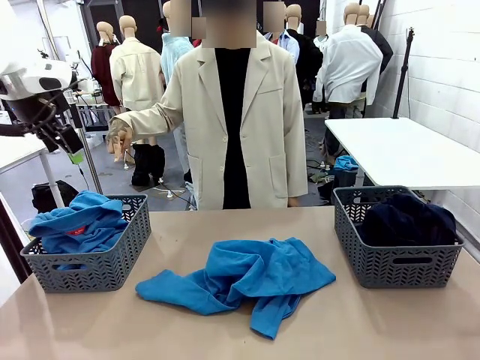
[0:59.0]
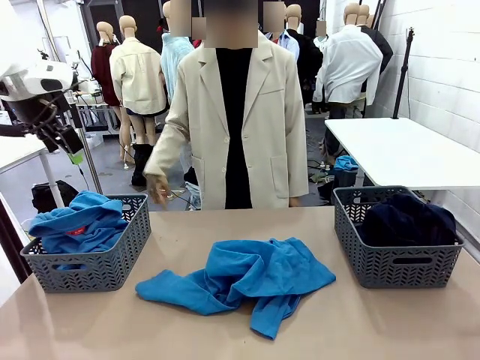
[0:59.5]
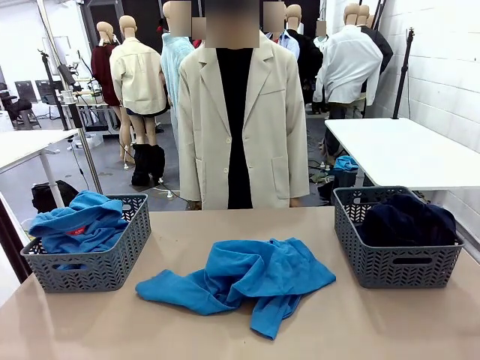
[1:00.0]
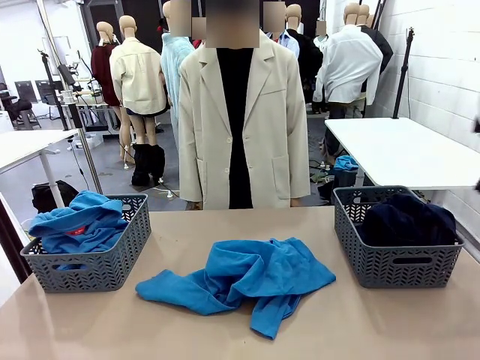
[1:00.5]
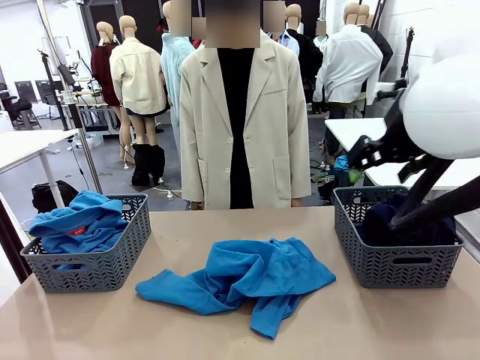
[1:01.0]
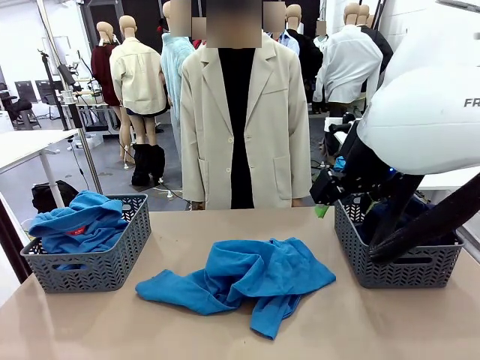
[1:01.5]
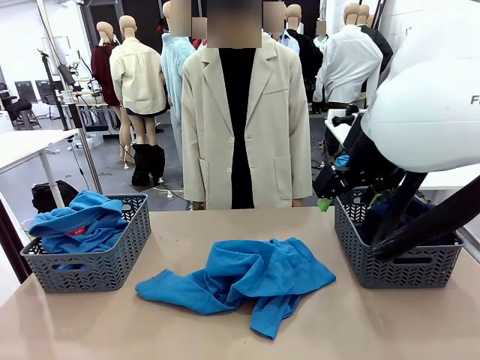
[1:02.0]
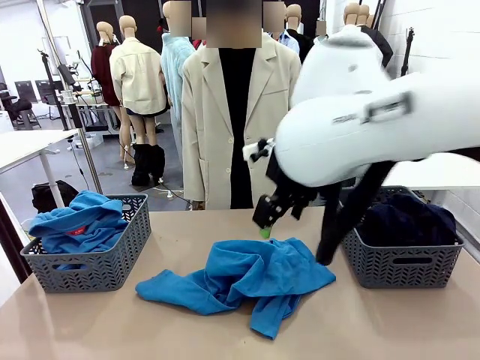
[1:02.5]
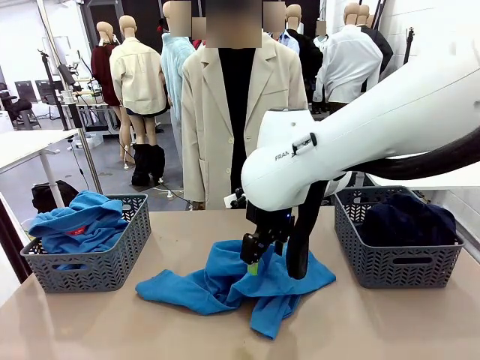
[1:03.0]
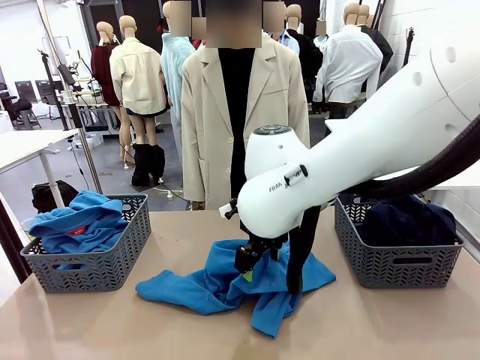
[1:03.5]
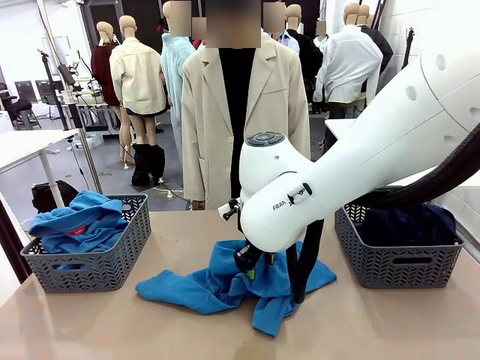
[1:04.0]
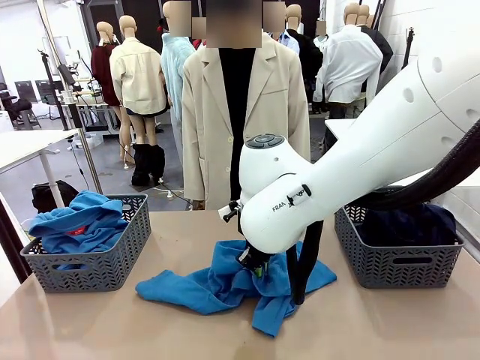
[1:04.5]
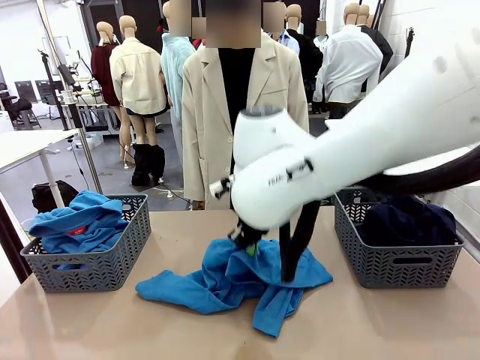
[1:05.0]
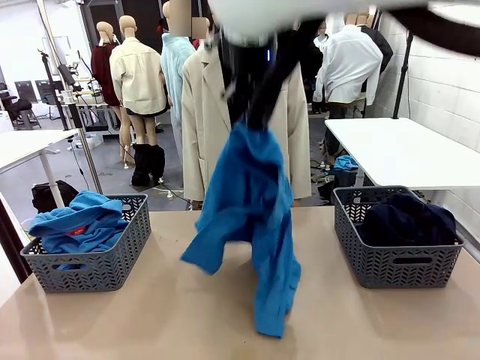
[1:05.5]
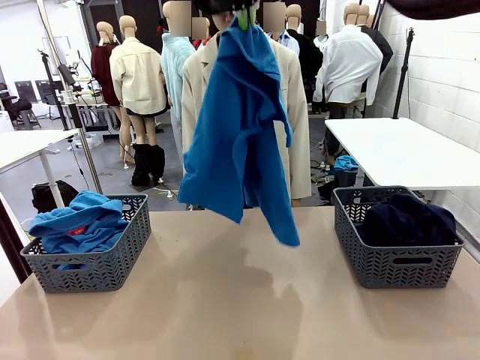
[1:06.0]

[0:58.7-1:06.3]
Task: Sort the tops and bottoms.
Robot: Lift clothes from the center of the table with your right hand.

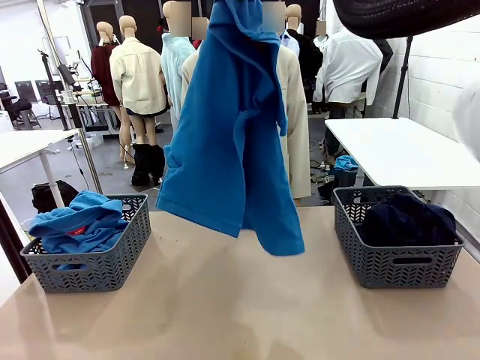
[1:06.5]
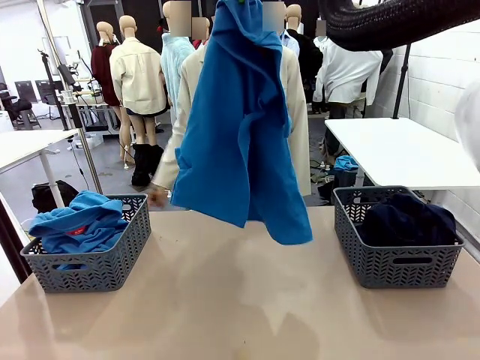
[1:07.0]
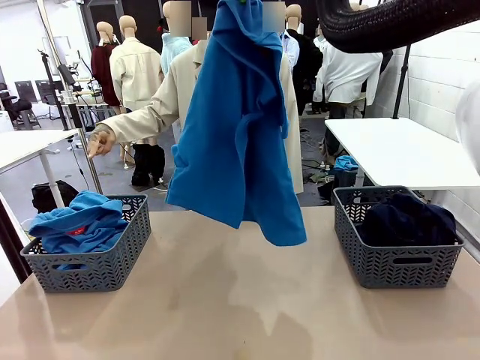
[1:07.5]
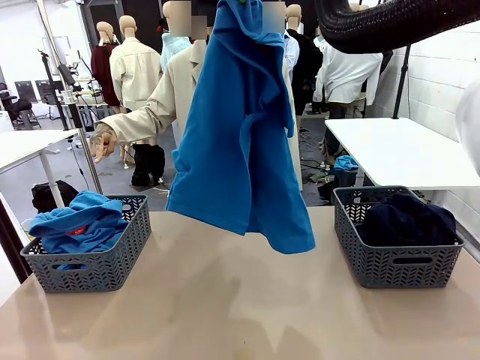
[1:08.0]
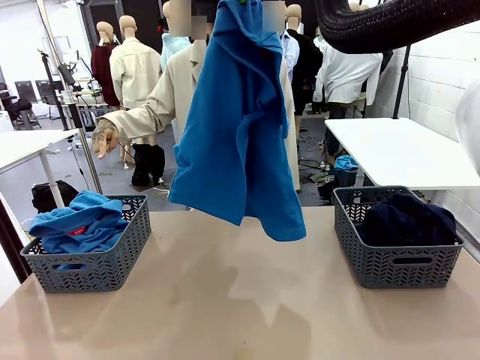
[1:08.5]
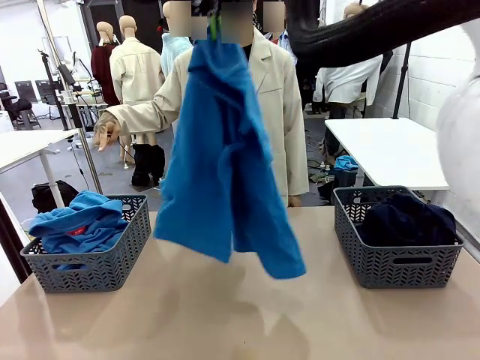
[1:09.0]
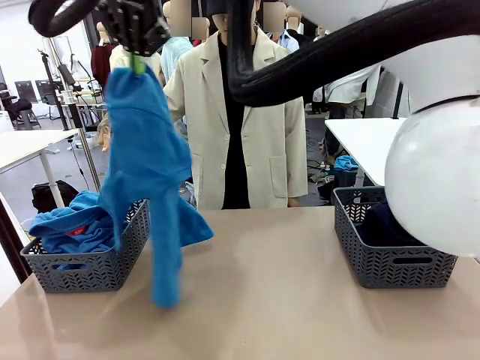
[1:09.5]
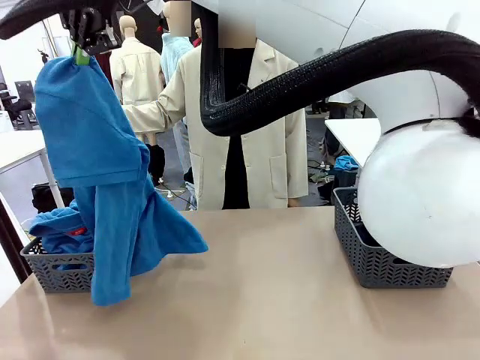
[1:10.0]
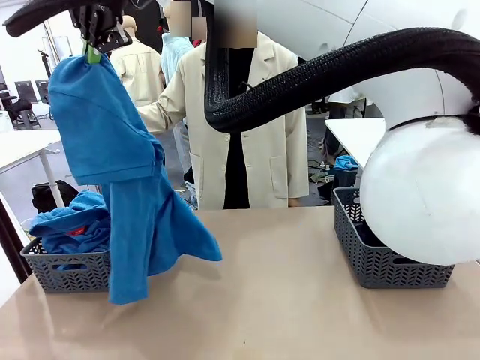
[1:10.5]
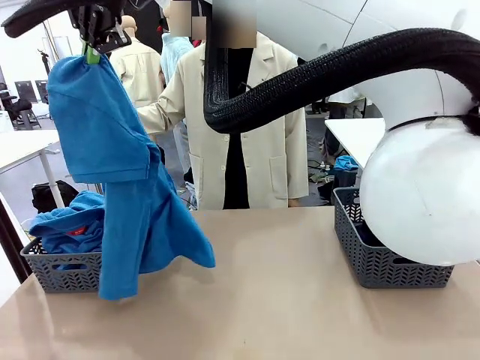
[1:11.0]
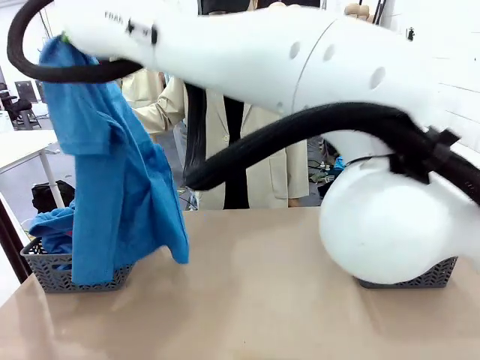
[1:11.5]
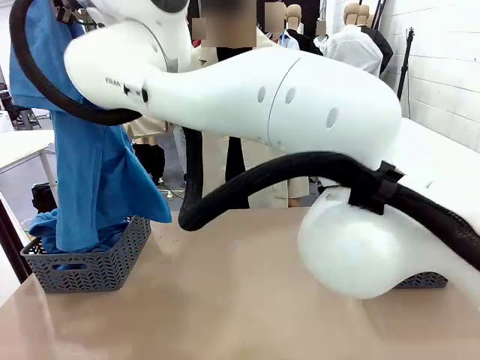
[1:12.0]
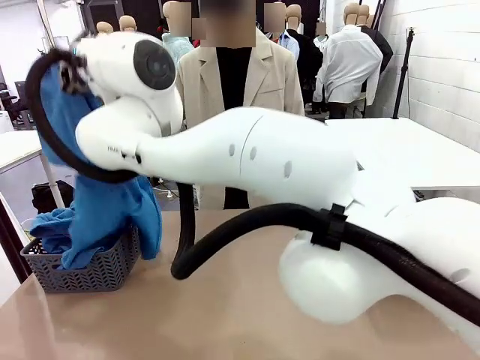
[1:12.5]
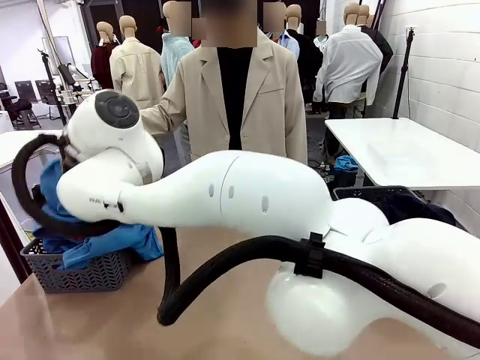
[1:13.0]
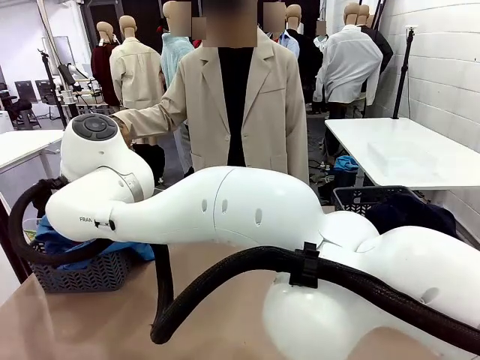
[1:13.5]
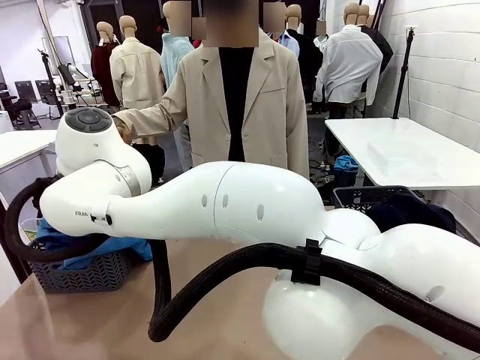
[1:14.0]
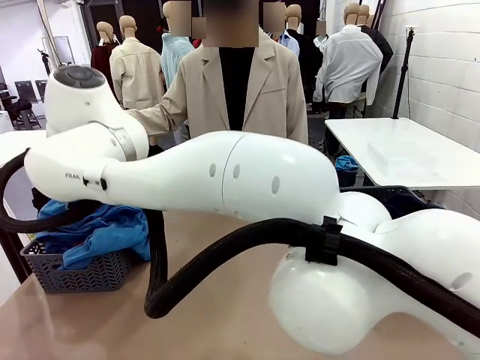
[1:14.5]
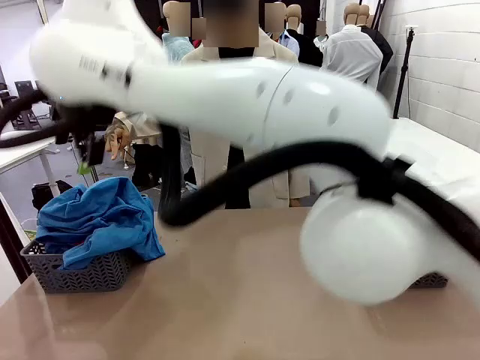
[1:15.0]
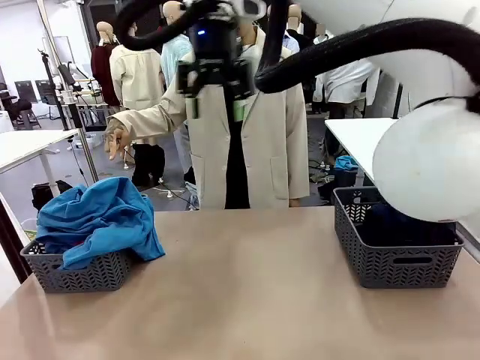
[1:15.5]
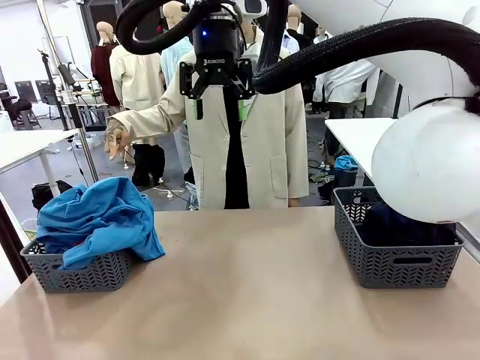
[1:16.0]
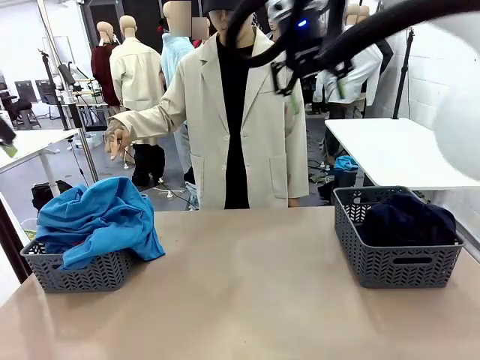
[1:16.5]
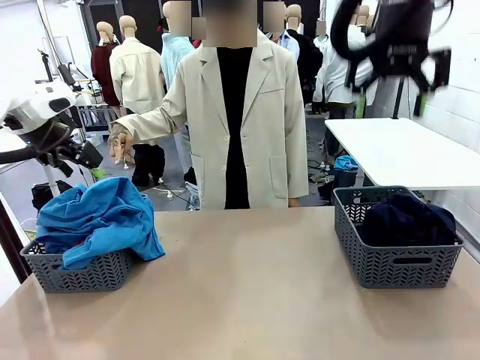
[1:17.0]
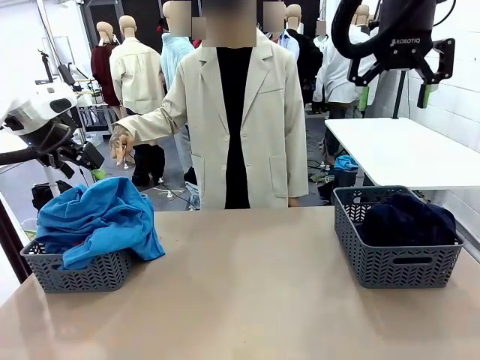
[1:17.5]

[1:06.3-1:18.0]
Robot: Sort the clothes according to human instructions.

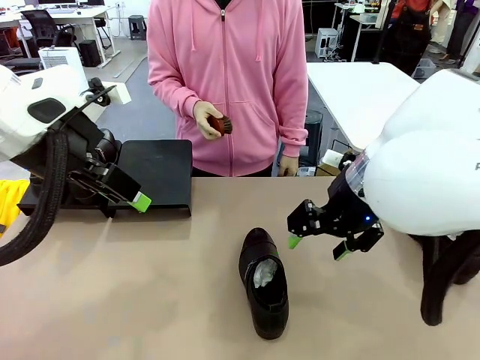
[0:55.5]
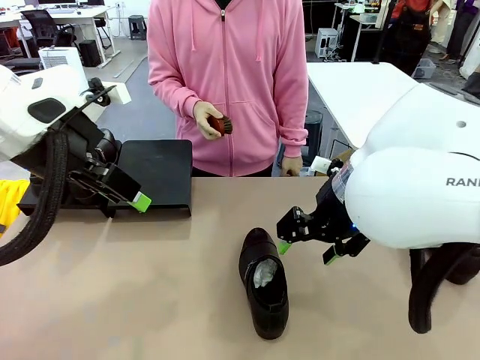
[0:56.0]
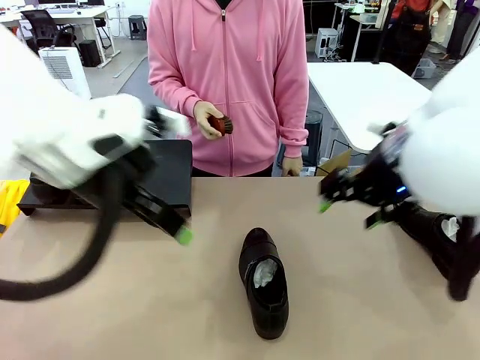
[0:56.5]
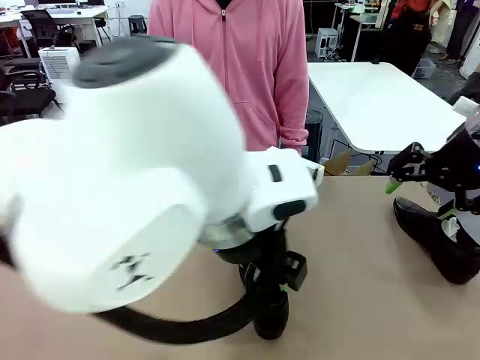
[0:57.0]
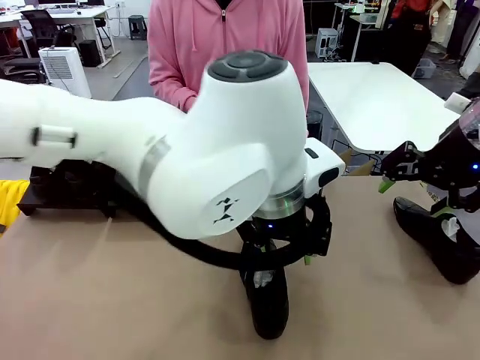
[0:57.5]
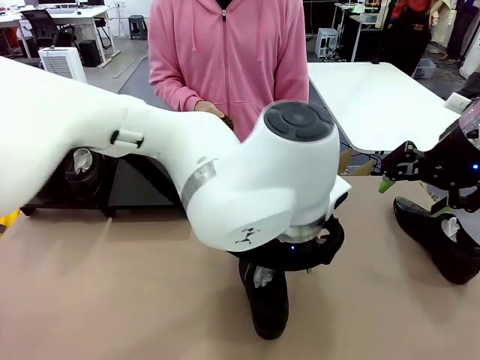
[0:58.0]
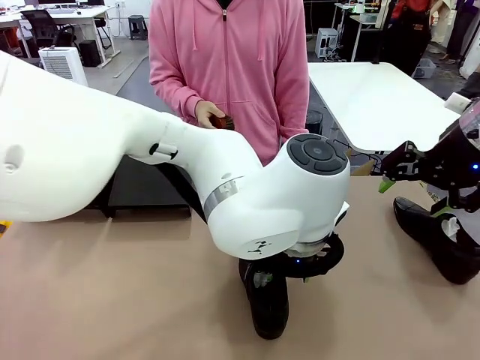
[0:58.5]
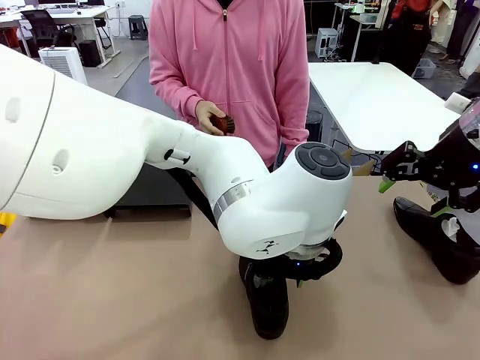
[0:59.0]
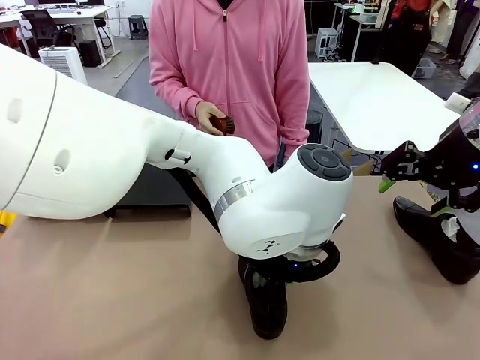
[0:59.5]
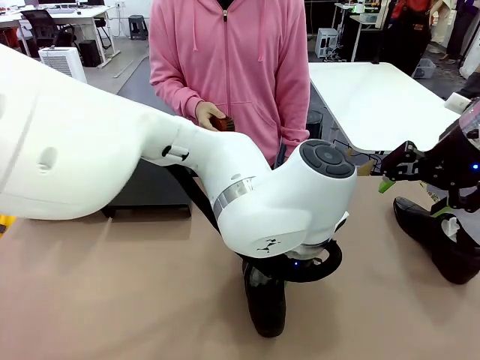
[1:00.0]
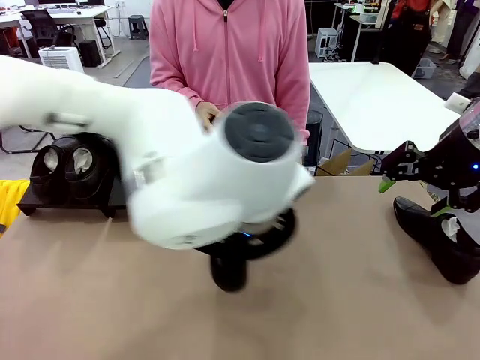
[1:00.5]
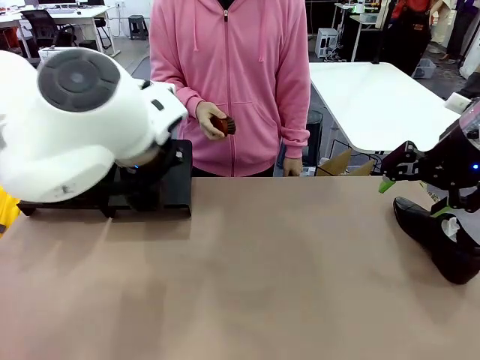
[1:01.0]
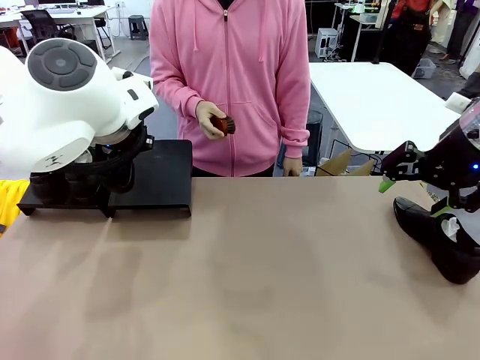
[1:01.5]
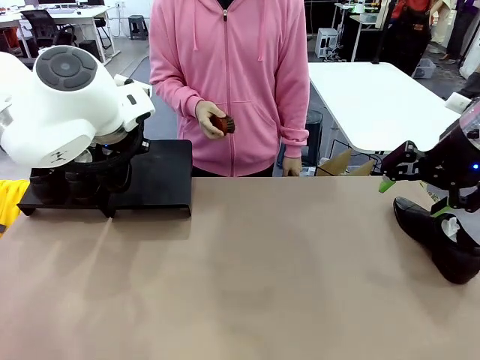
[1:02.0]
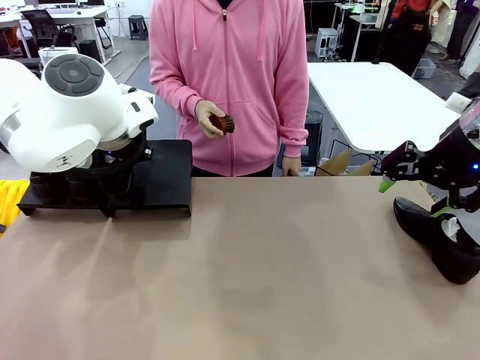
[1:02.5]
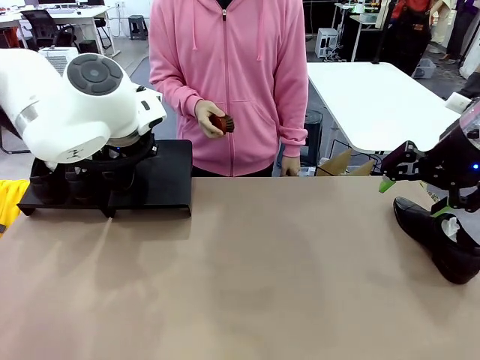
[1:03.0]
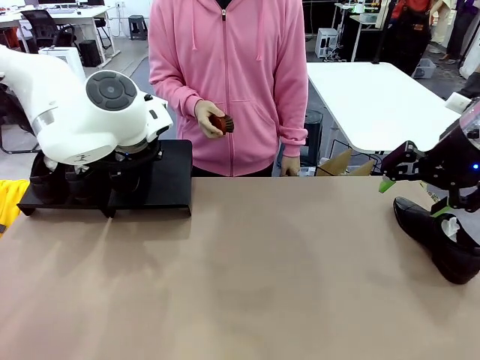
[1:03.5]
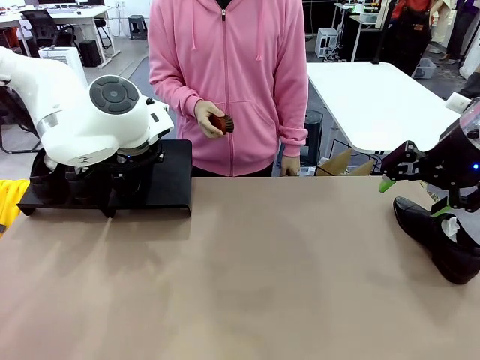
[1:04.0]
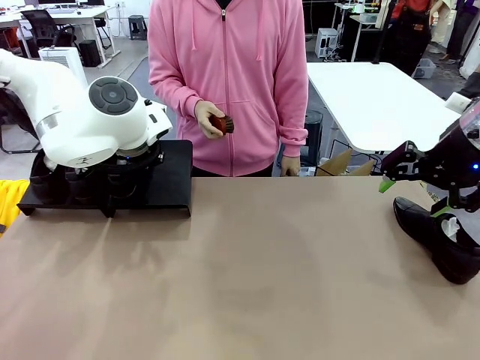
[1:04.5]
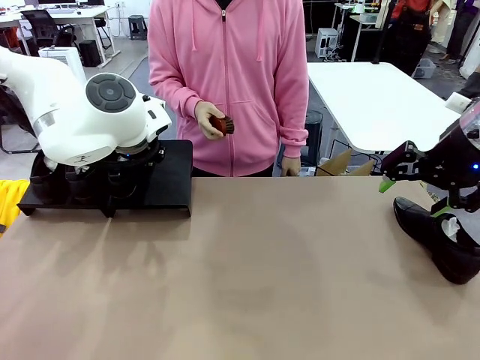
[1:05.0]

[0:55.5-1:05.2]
Task: Organize the shoes by placing them on the stand.
Robot: Place the Shoe from the middle of the table onto the Shoes Stand.
